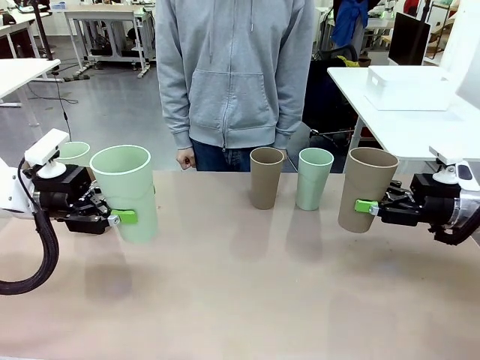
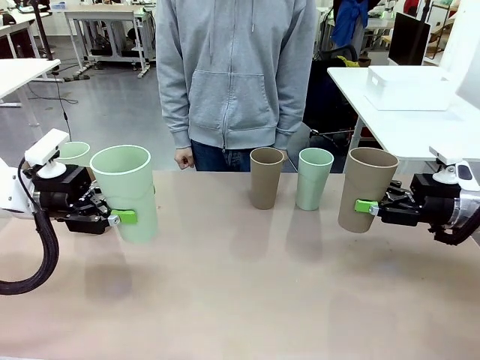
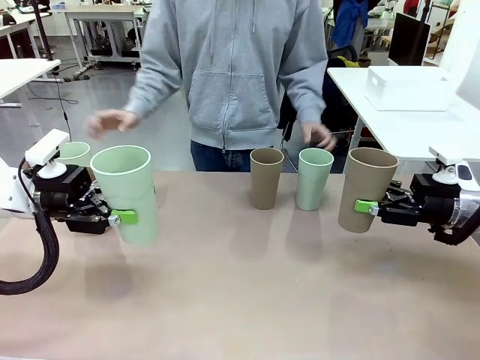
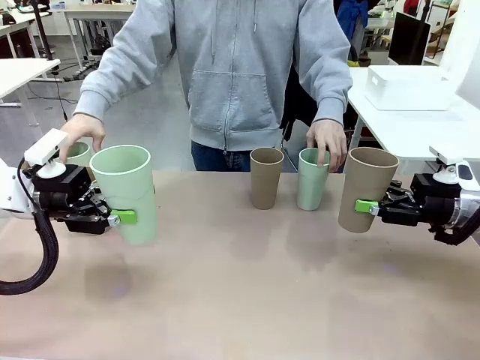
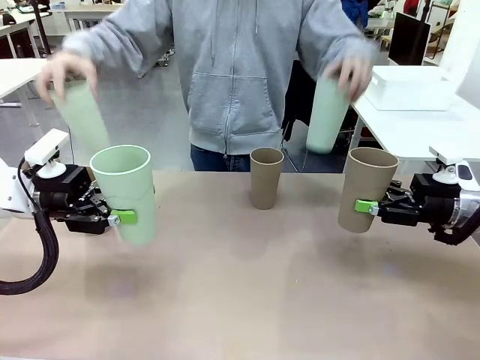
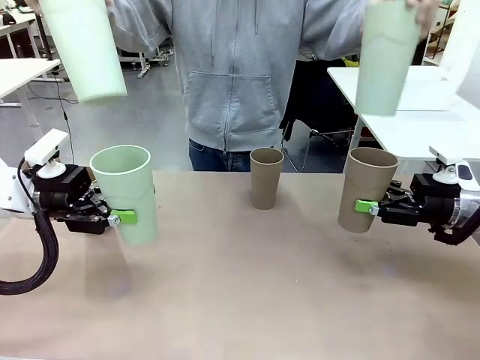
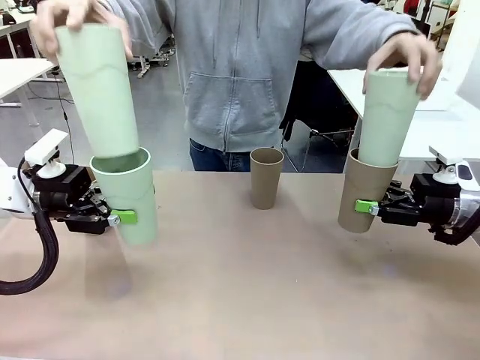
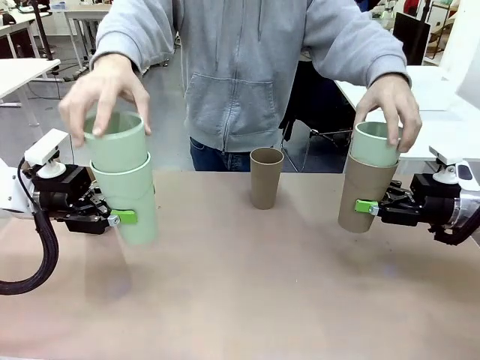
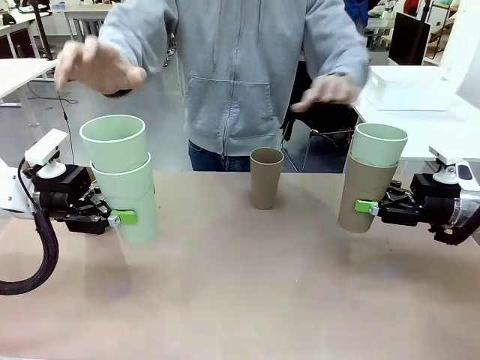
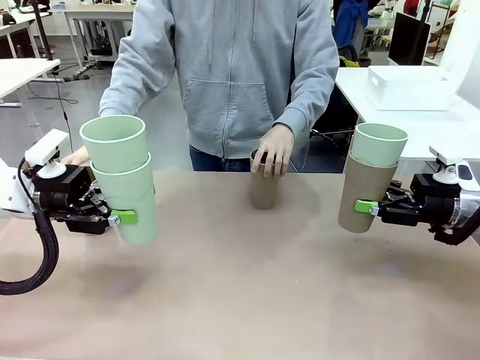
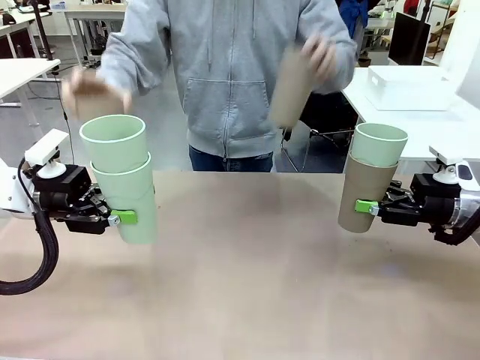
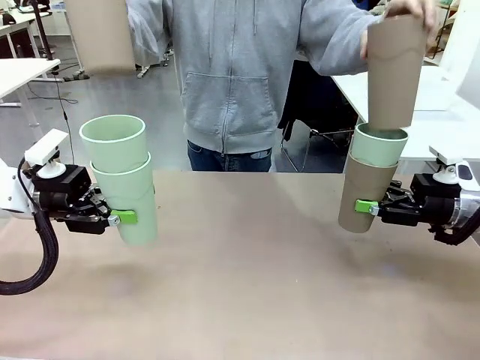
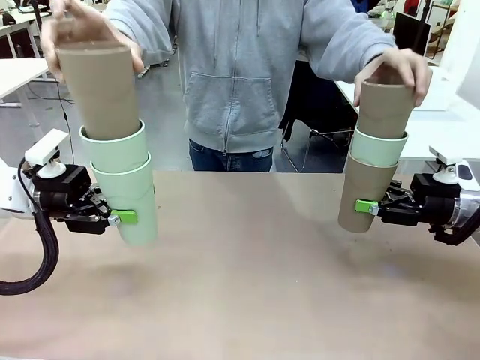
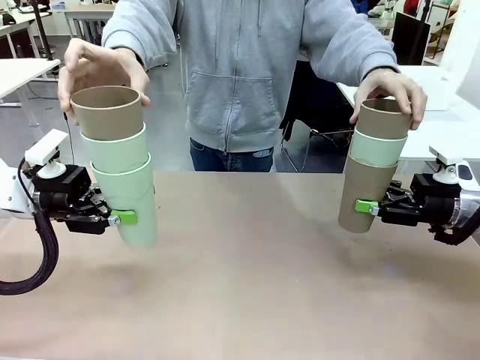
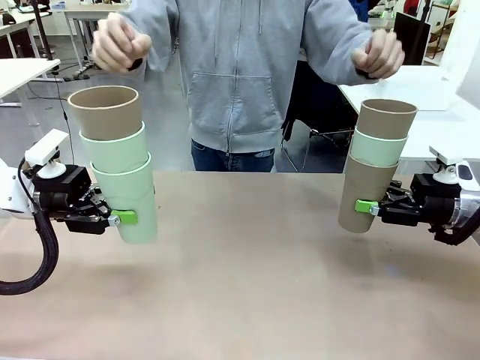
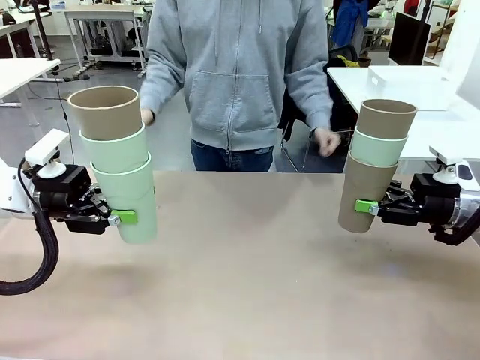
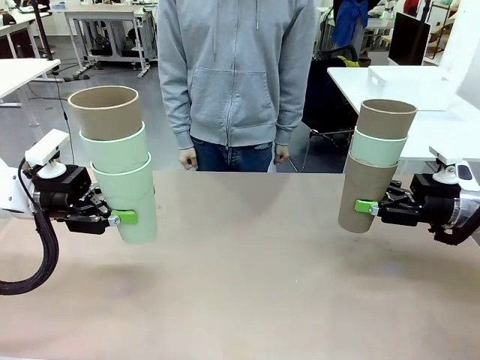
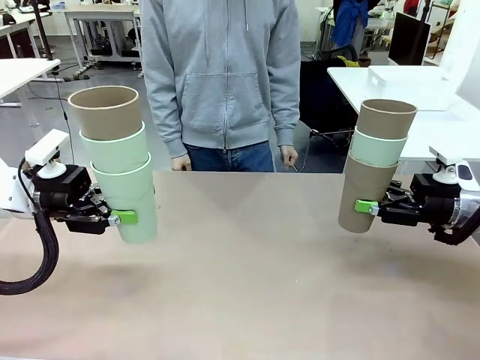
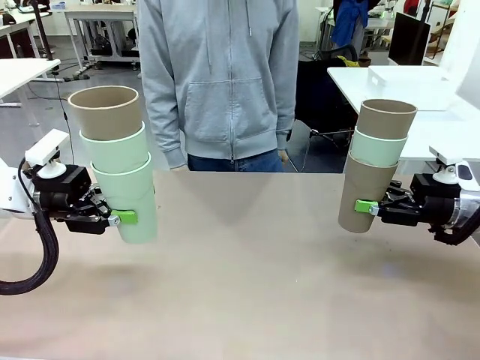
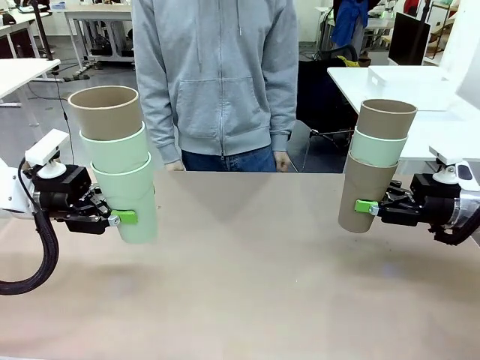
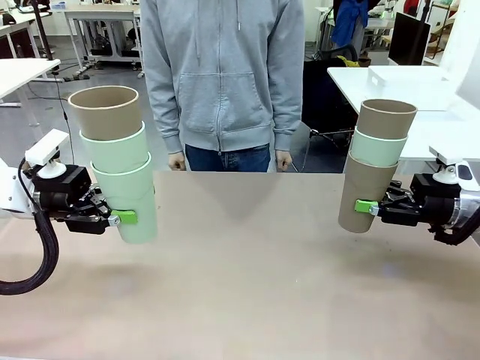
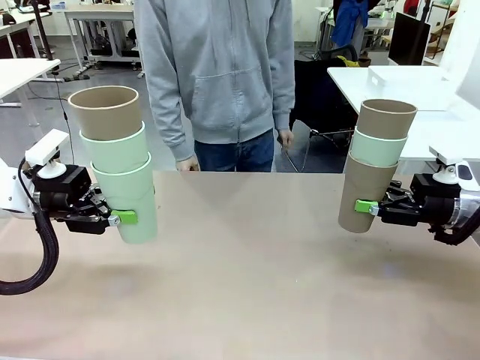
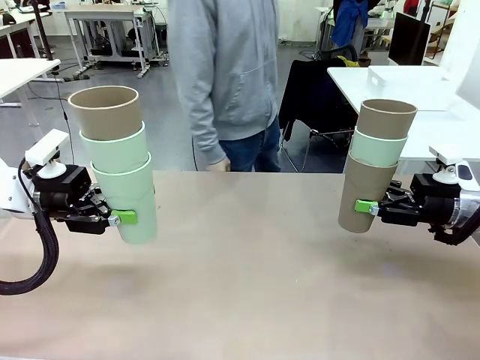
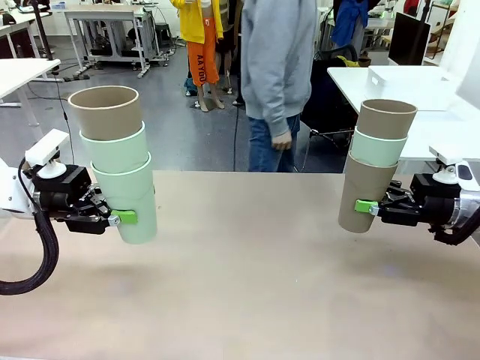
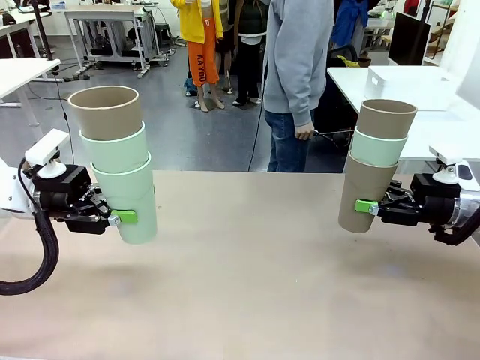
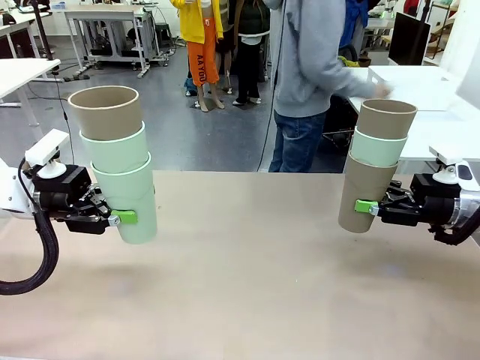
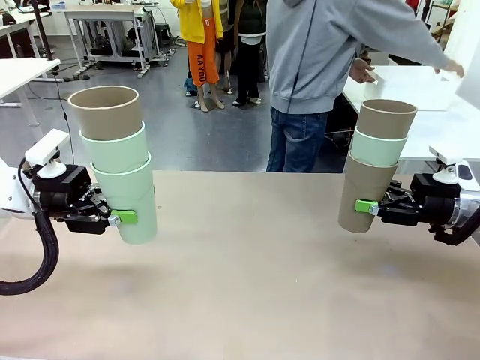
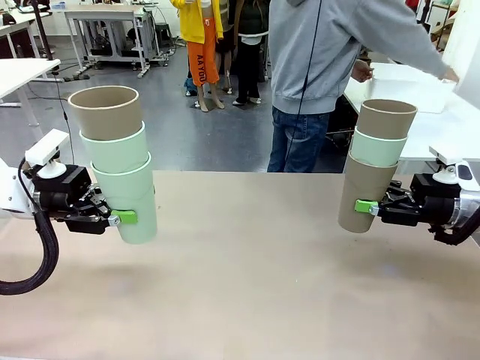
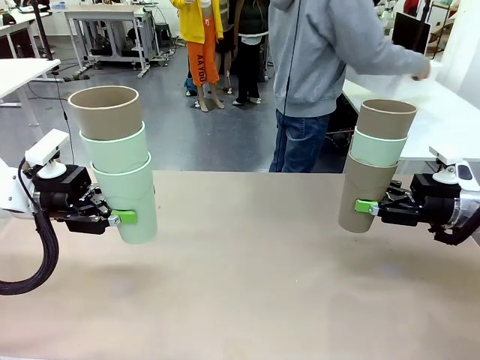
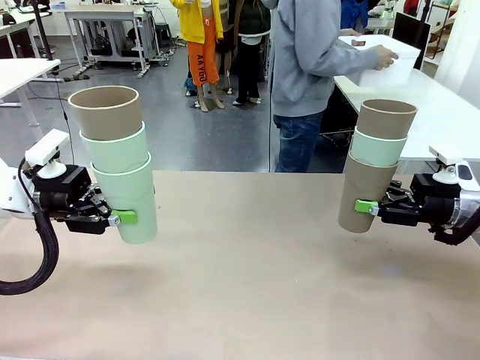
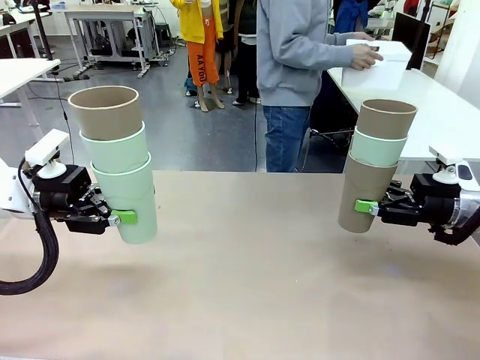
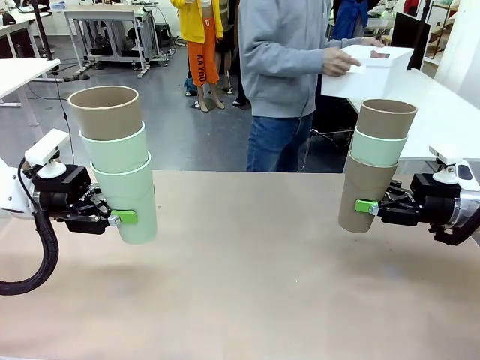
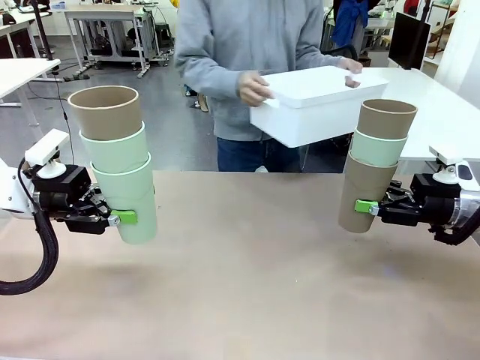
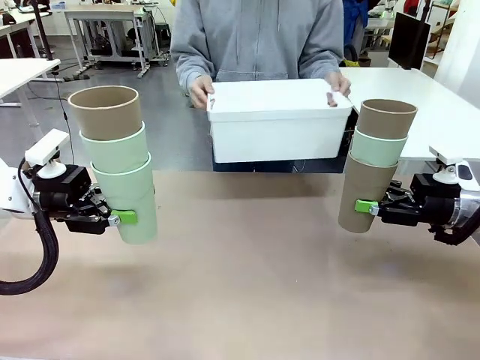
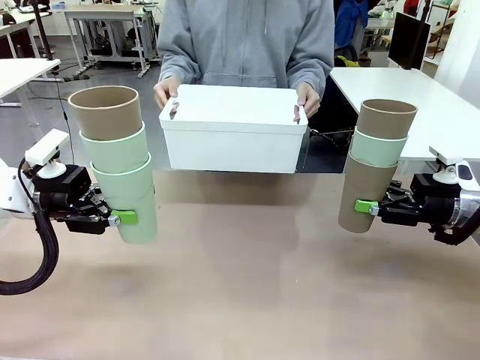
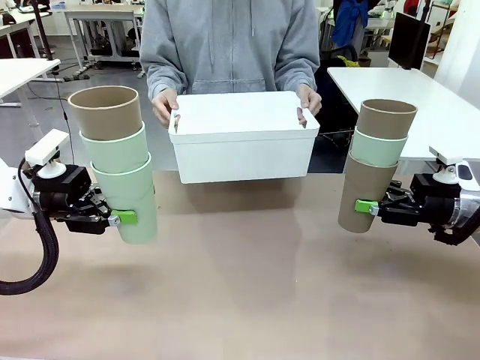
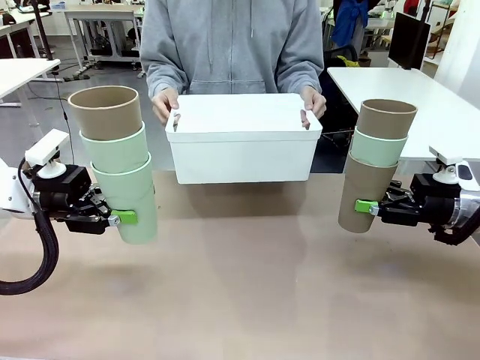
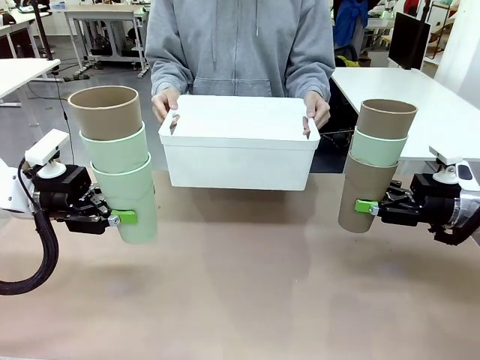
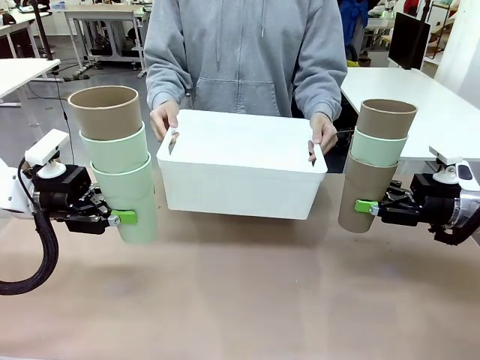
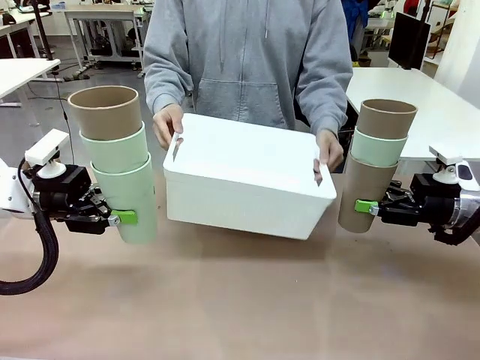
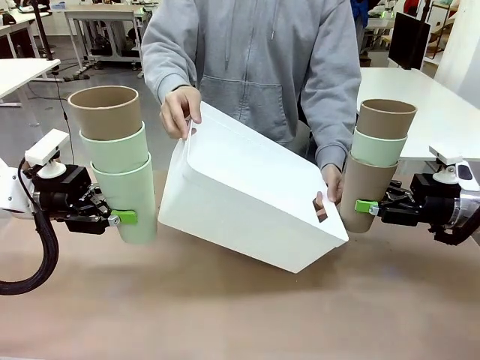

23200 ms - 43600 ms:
Task: Stack the cups and store them in the basket.
Robot: Place the stack of Reusable plastic cups into the Pantry Basket.
Person: Pick up the basket from the Human Table, bring it to the front of the robot, and present it.

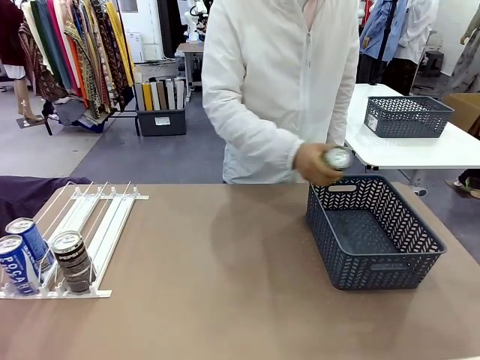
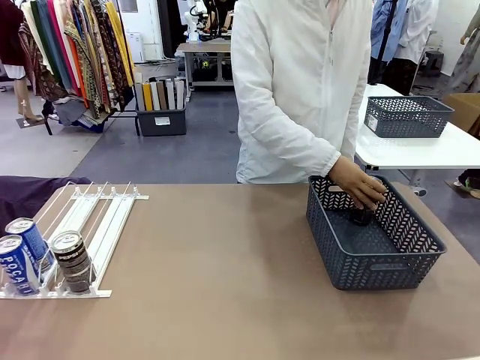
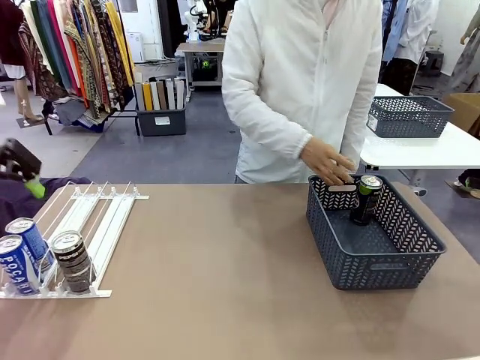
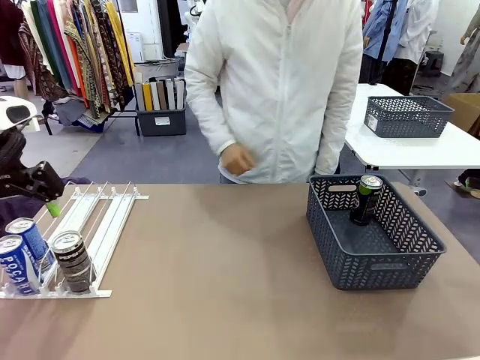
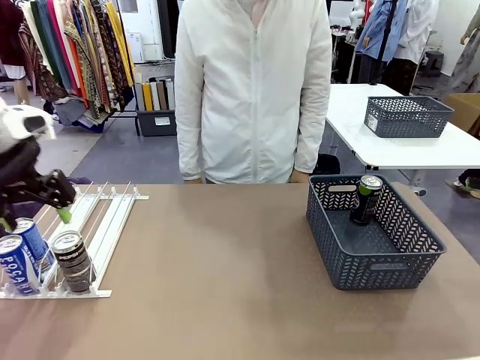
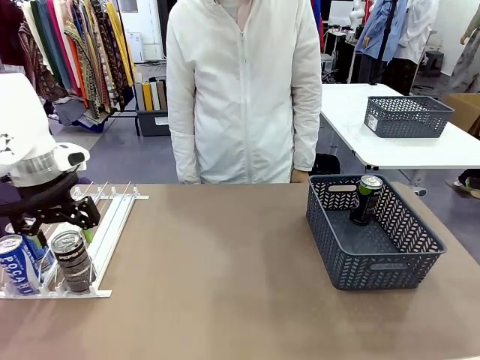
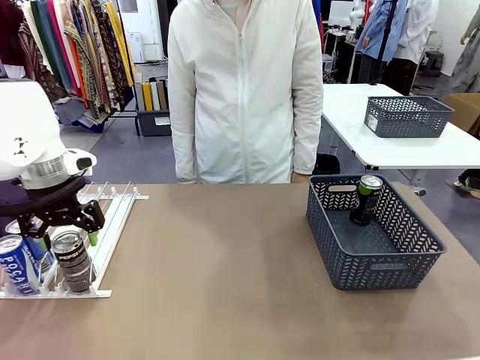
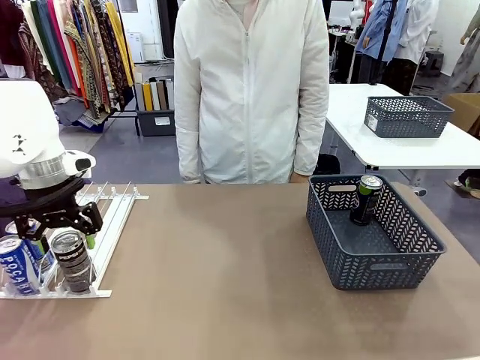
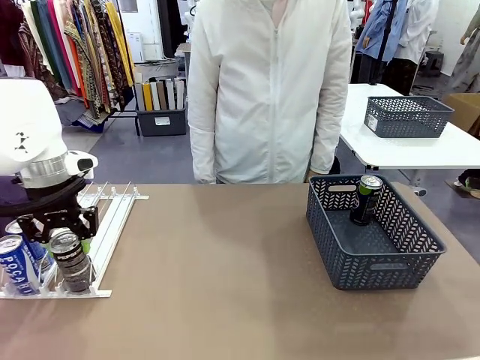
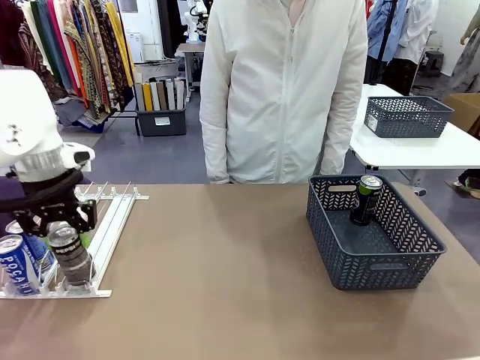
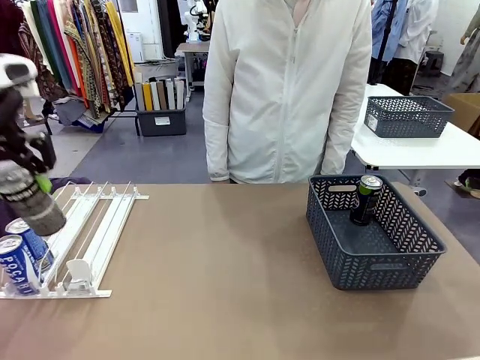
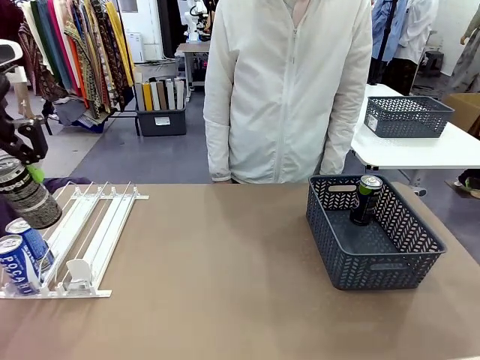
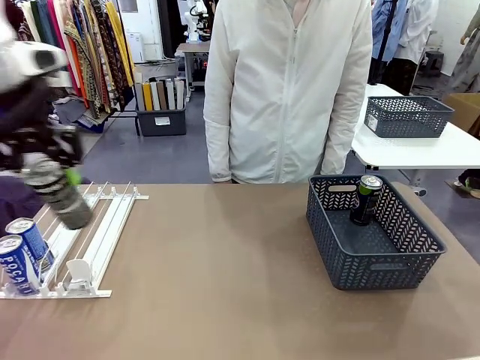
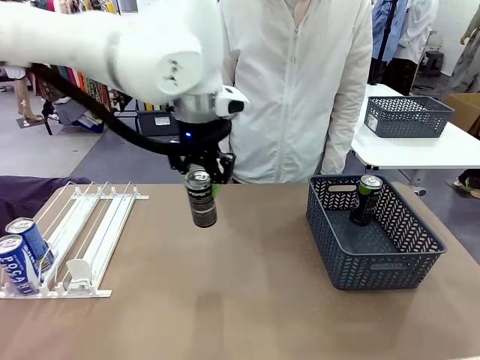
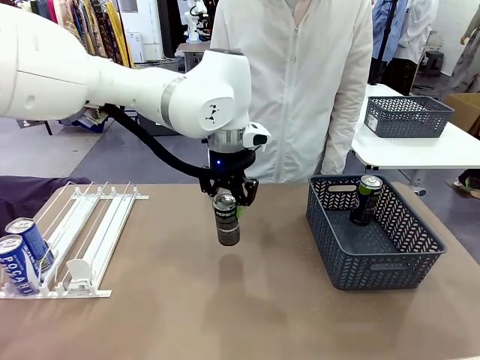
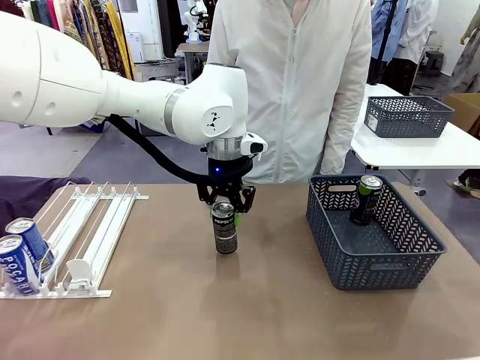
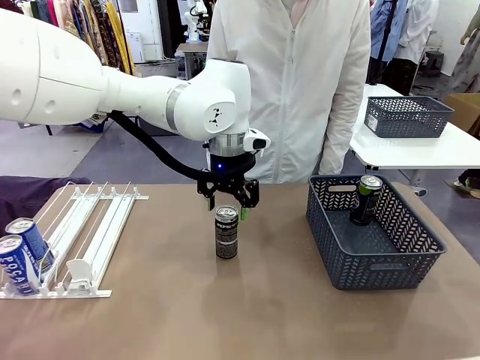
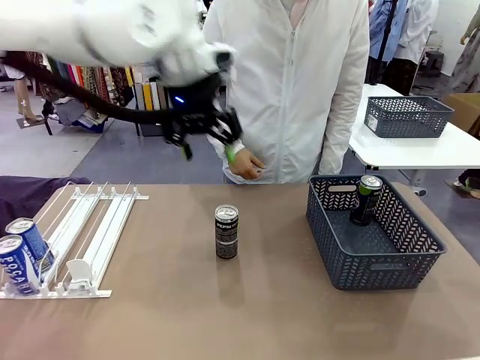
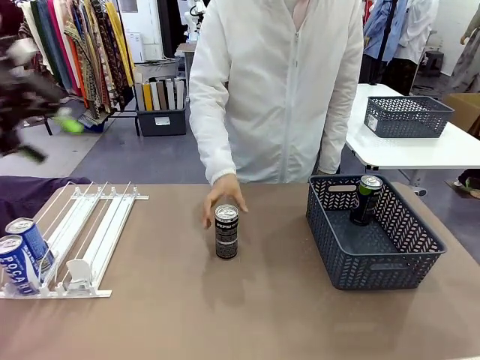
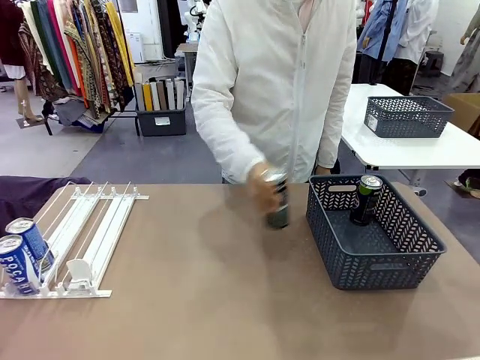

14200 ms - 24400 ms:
Task: Retrieve and store the cans from the dispenser.
Robot: Pick up the last remaining can from one row of the Automatic Can Dispenser and place it in the middle of the table.
Person: Pick up one Pepsi can from the middle of the robot table and place it in the basket.
